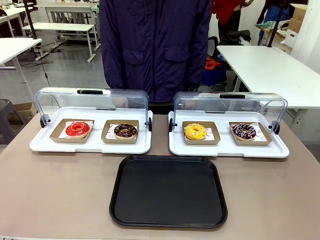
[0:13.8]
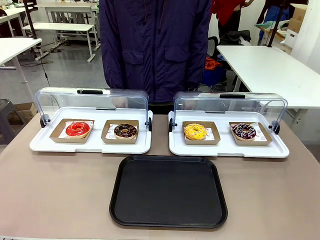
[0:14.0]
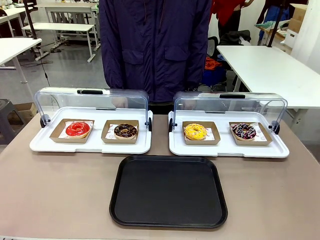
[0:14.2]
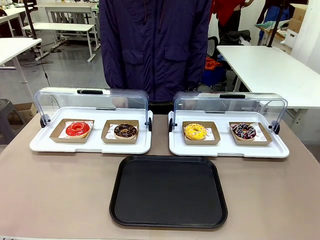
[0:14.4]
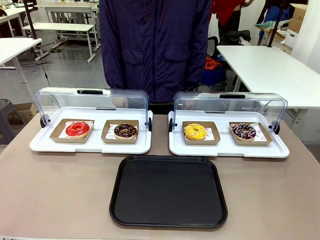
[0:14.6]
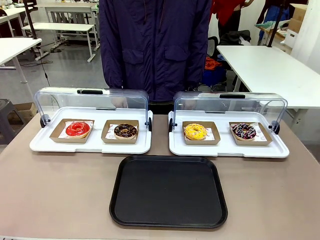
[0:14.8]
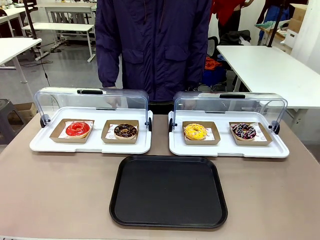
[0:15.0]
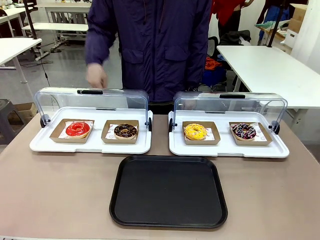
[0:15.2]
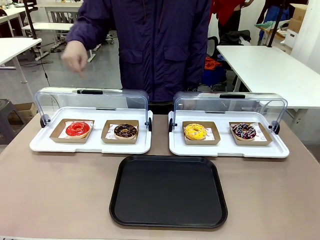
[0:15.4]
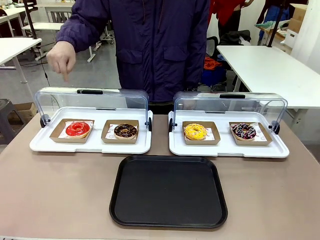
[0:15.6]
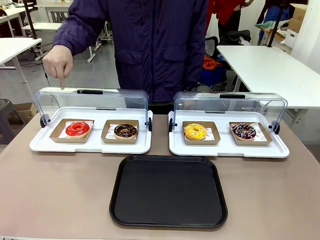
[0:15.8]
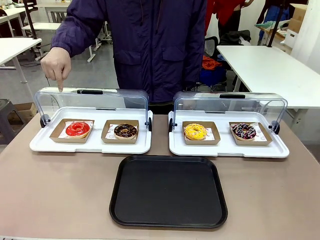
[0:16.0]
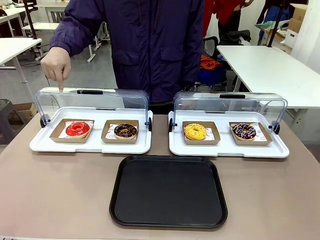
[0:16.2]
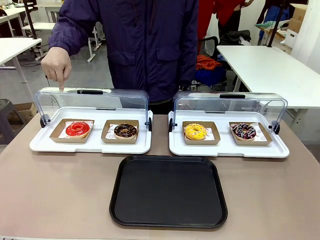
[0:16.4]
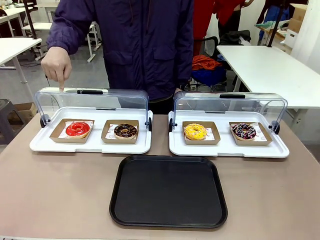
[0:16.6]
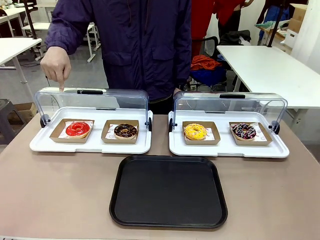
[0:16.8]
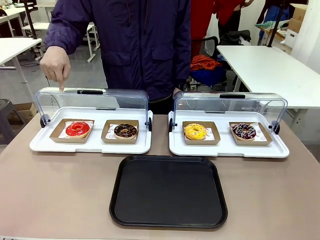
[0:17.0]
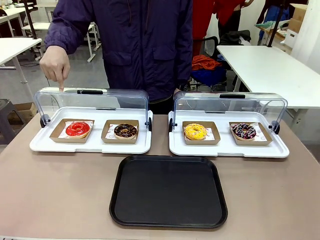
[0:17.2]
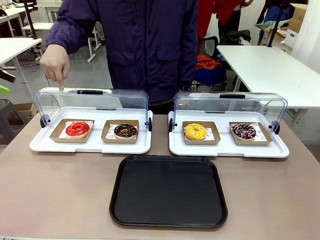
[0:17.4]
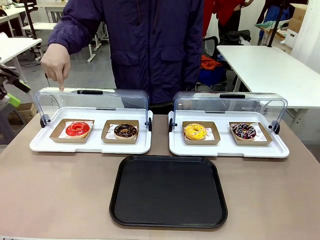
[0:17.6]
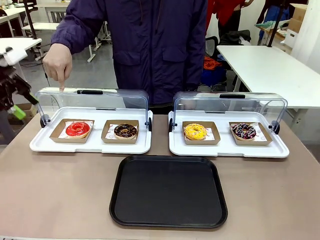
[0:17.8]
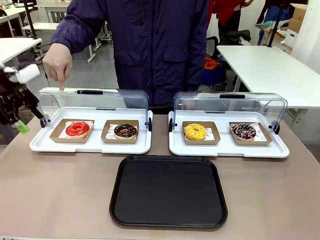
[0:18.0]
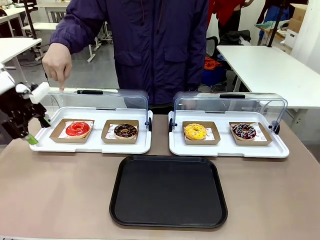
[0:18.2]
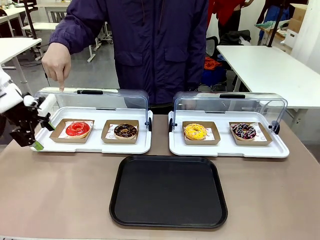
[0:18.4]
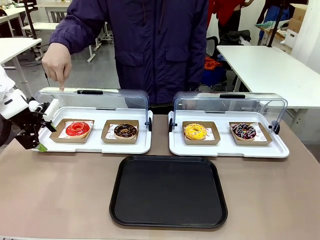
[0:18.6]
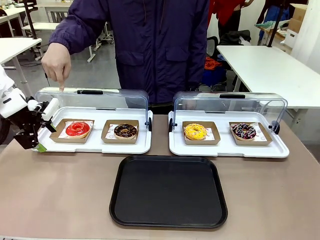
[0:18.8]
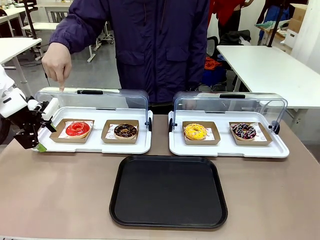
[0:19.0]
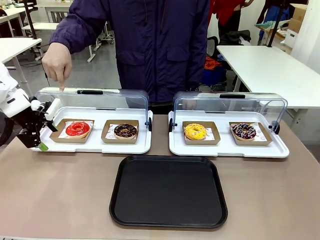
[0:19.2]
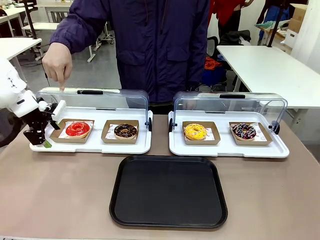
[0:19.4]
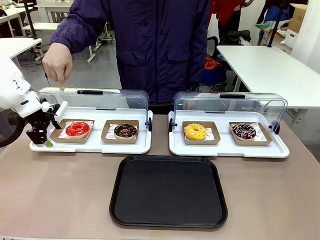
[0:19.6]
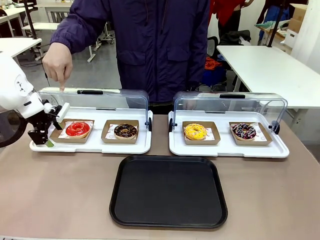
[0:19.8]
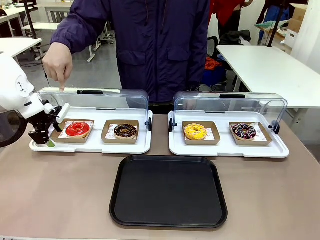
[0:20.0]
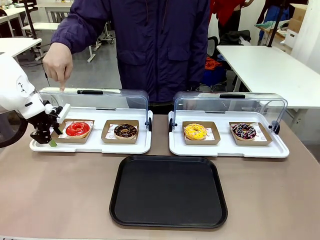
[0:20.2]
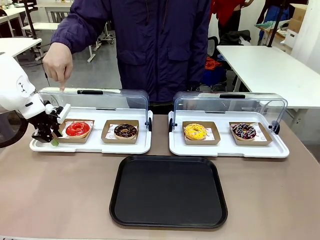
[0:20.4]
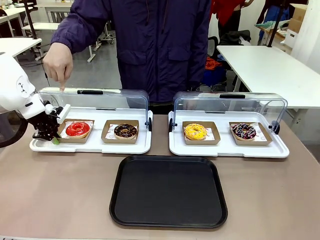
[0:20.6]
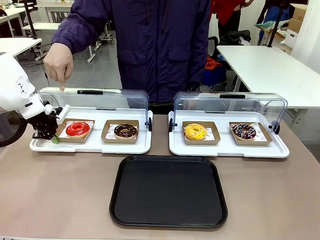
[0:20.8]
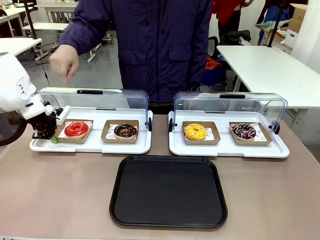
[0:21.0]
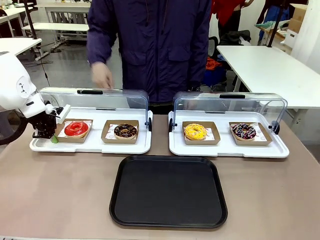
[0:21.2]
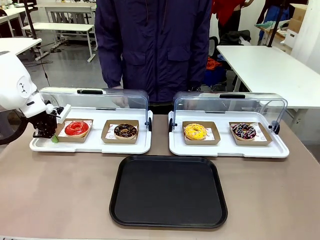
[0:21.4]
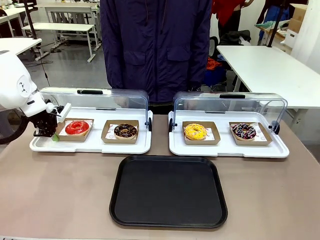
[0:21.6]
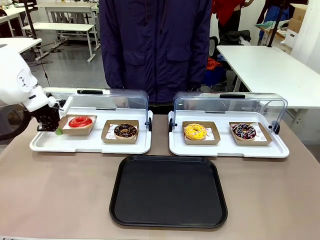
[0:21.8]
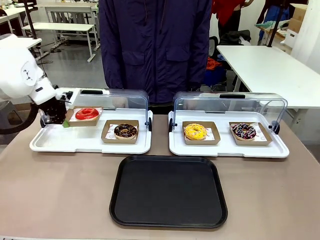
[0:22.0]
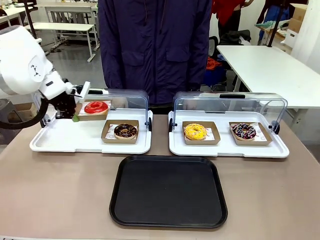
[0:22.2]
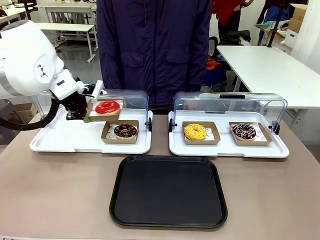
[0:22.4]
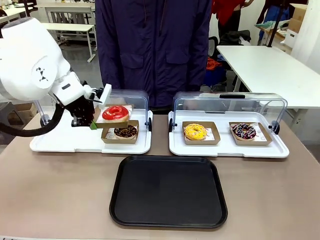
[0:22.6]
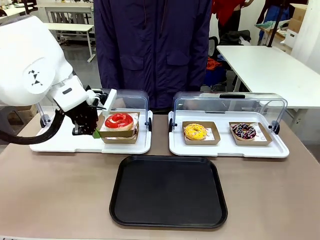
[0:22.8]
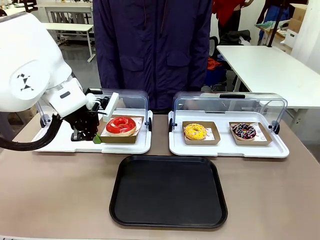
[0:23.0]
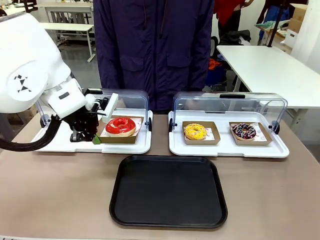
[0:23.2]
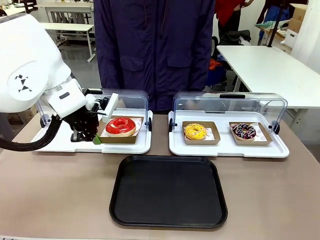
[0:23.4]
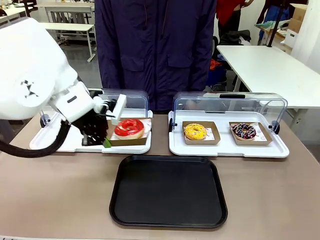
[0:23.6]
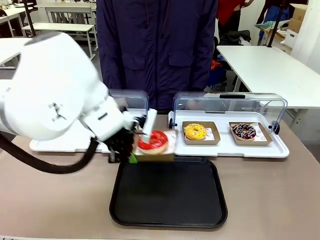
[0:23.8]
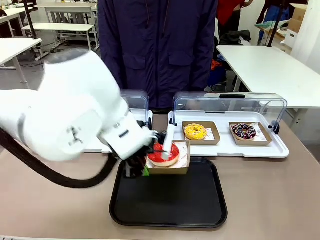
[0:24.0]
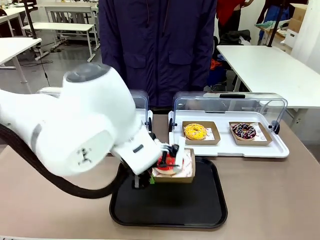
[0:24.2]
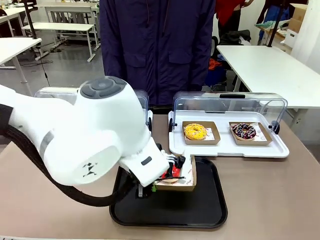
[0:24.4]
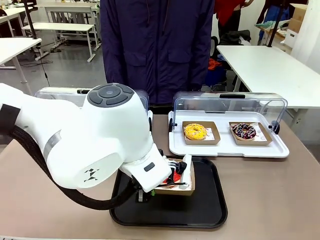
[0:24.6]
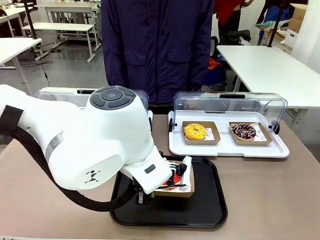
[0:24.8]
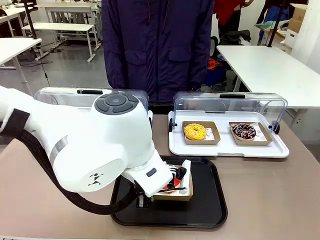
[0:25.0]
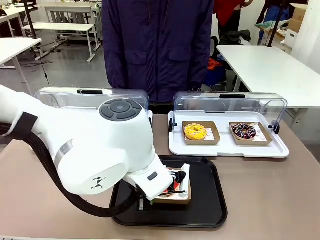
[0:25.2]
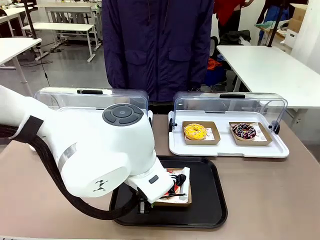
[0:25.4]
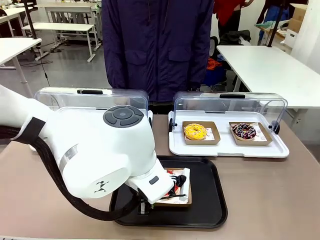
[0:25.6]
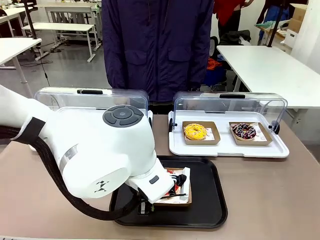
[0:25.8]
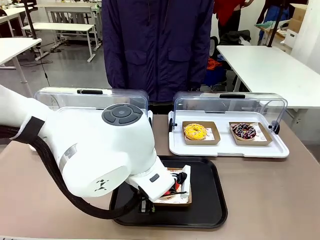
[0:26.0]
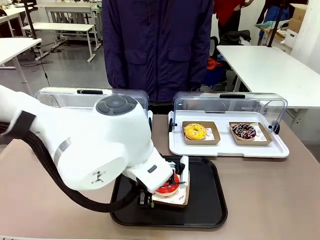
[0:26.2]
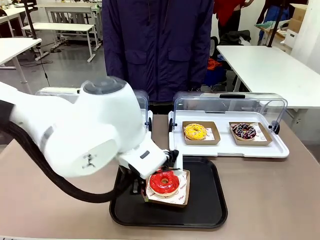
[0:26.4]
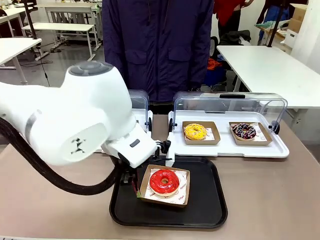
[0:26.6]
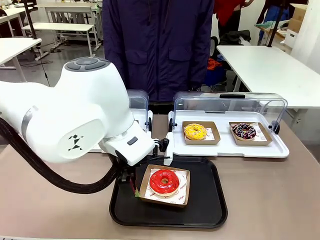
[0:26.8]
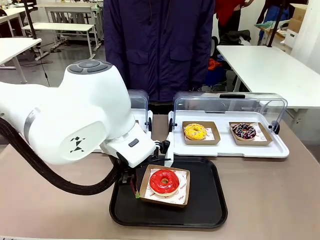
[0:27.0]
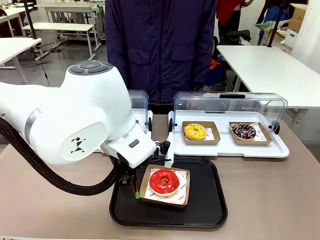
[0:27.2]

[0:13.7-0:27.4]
Task: Move the first donut from the left to the tray.
Robot: Pick up the Paper togo box containing the Donut indicated by the person and place it on the Handle tray.

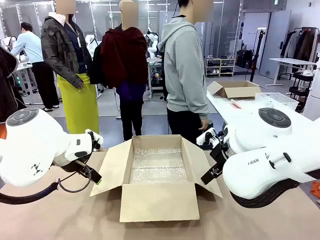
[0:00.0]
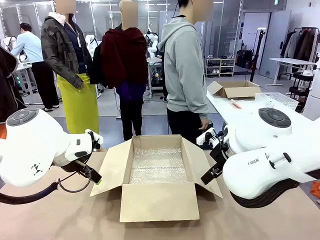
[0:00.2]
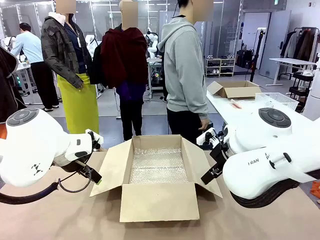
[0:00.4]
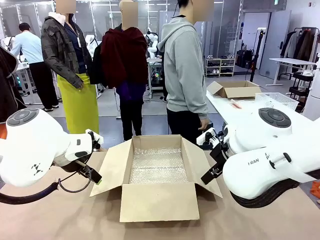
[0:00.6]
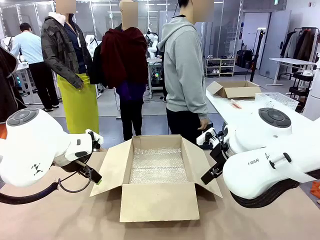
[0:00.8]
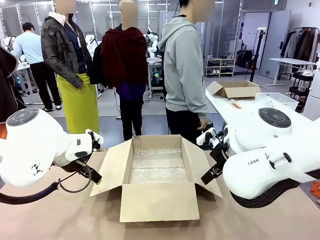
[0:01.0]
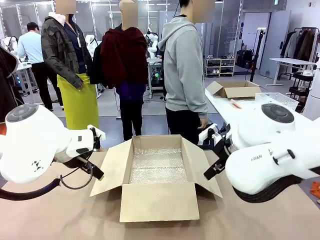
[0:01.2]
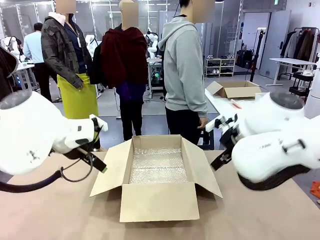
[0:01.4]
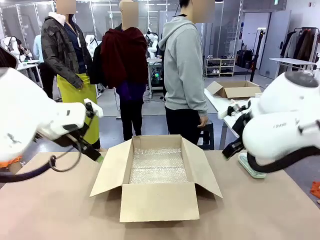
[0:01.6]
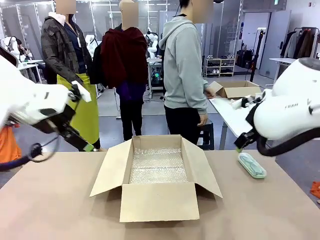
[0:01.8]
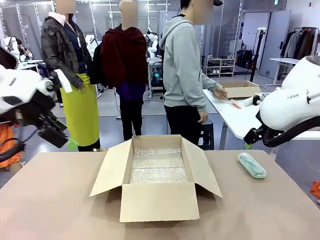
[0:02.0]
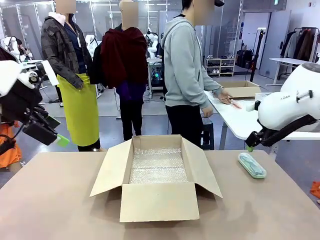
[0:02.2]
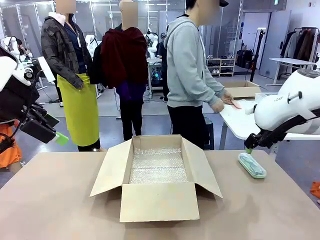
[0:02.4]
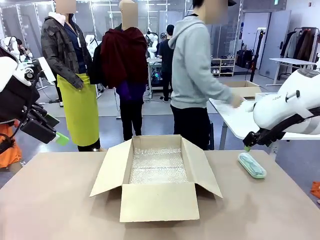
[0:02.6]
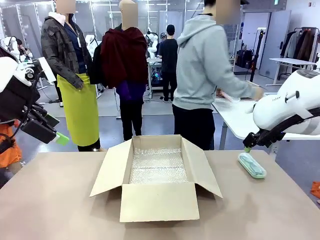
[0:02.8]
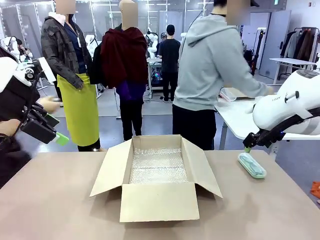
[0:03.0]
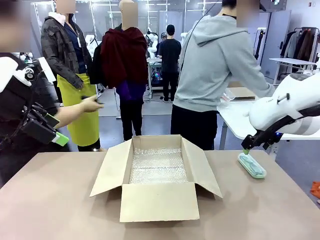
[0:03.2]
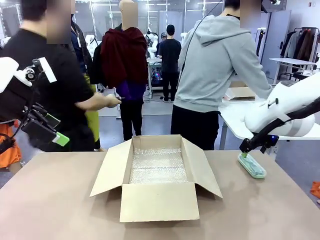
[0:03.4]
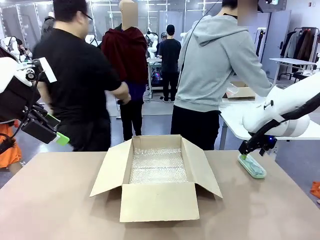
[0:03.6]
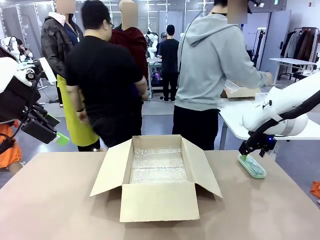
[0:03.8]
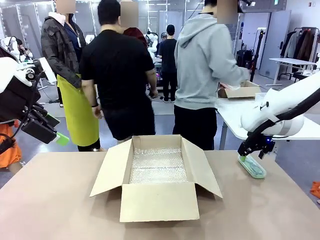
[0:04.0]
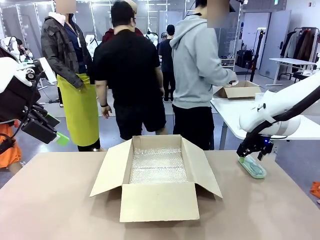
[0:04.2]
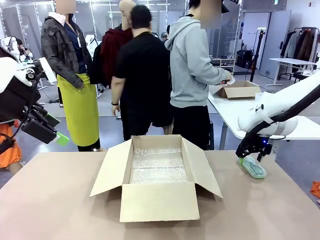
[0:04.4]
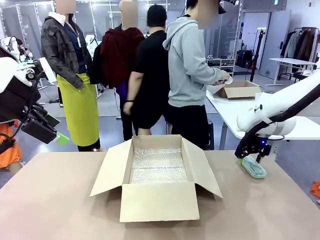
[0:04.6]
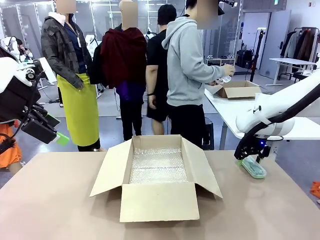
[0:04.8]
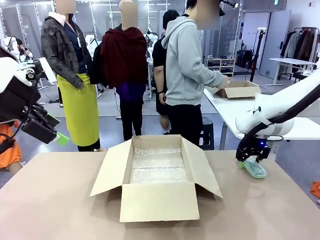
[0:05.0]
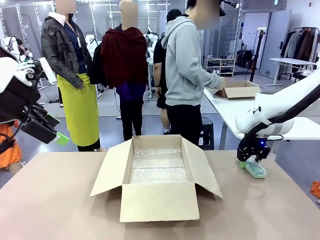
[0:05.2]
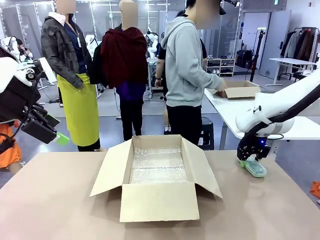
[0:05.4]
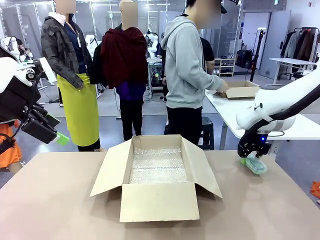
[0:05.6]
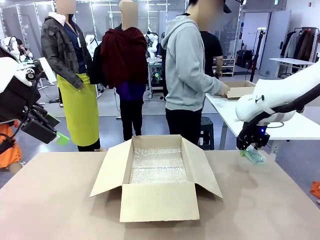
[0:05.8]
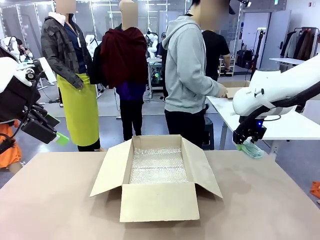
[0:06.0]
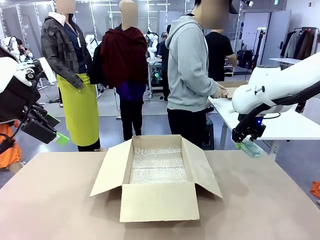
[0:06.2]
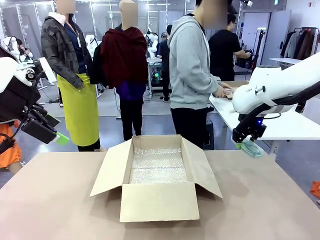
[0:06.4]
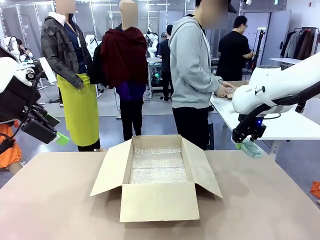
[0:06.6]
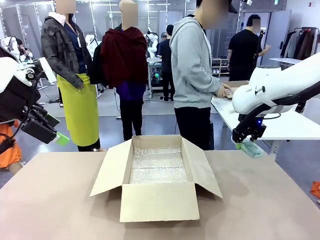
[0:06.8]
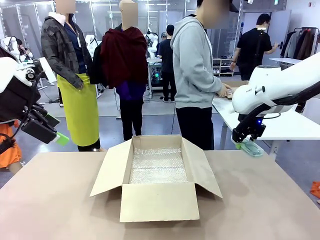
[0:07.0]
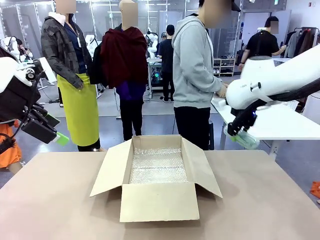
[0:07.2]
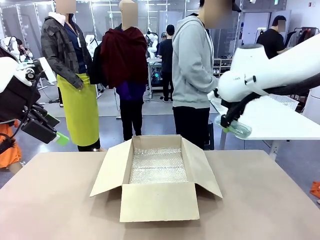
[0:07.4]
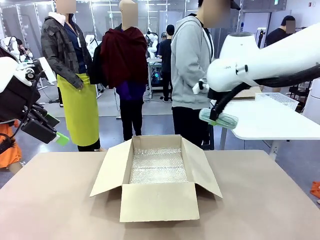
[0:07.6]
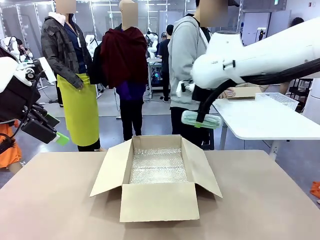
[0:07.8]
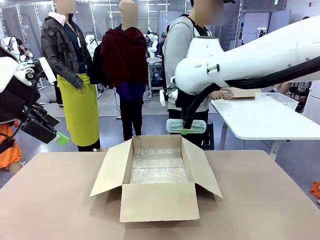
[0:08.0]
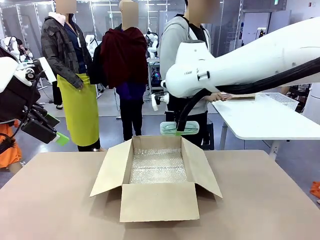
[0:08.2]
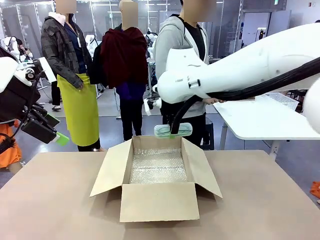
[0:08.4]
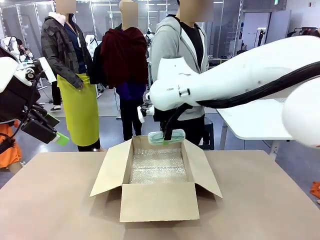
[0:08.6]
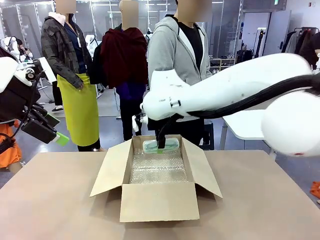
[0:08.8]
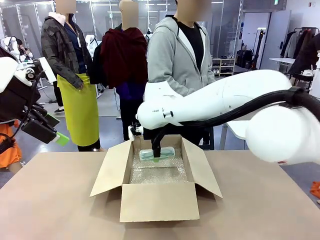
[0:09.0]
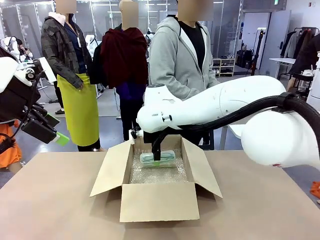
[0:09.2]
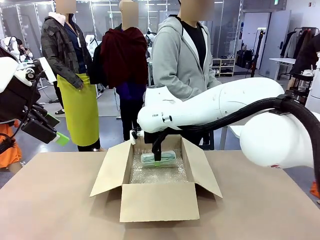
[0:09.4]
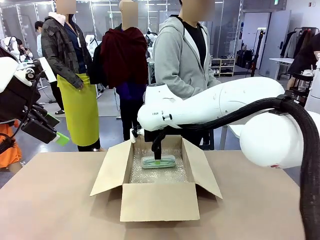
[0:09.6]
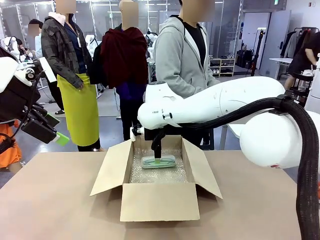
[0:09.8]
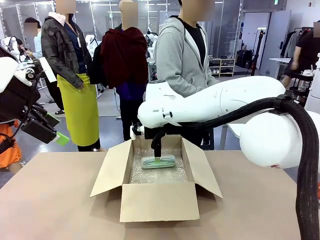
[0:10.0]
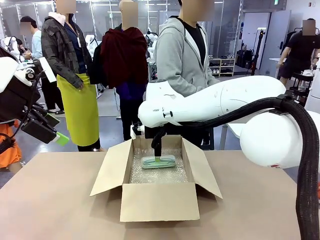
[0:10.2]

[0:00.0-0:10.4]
Task: Pack the glasses set securely to prepare it for shipping.
Robot: Place the Glasses case inside the Package Box.
Person: Place the Glasses inside the Glasses case.
